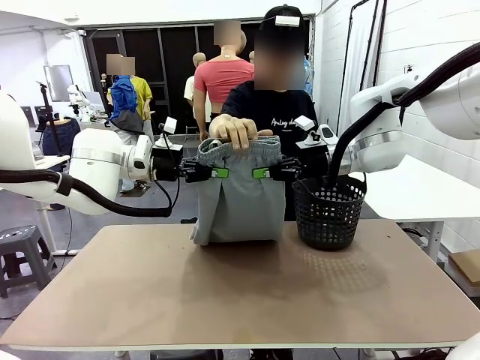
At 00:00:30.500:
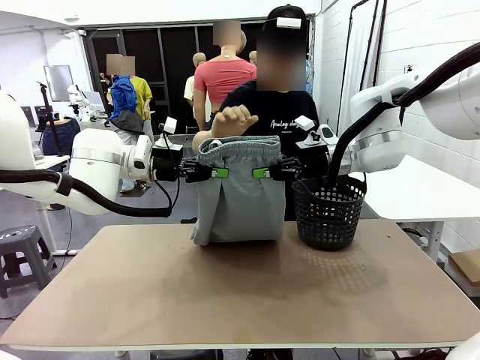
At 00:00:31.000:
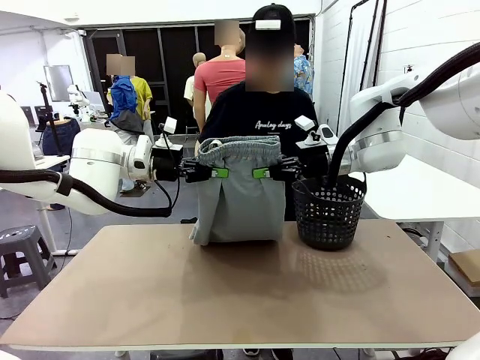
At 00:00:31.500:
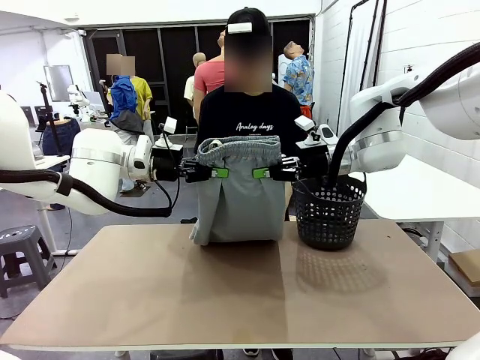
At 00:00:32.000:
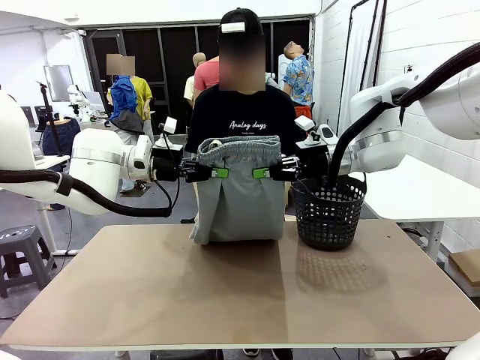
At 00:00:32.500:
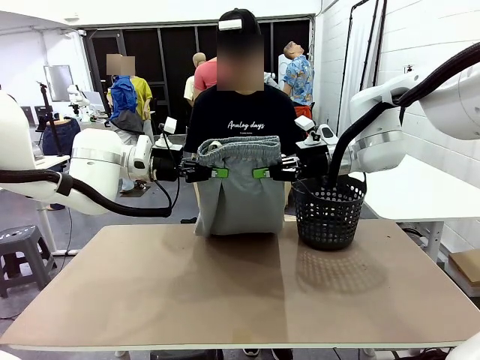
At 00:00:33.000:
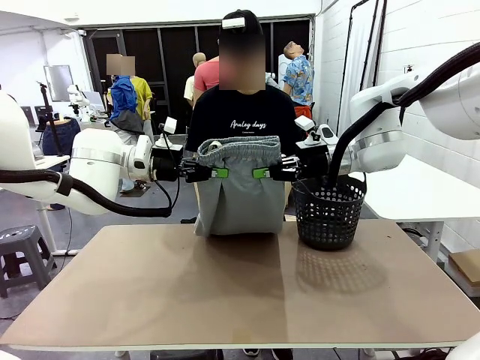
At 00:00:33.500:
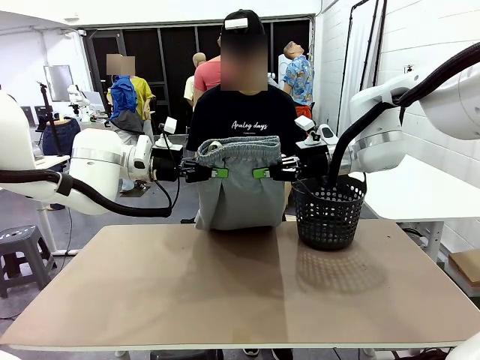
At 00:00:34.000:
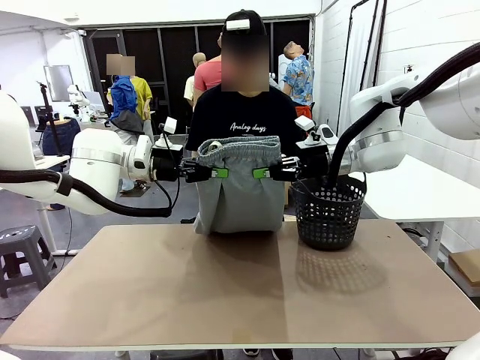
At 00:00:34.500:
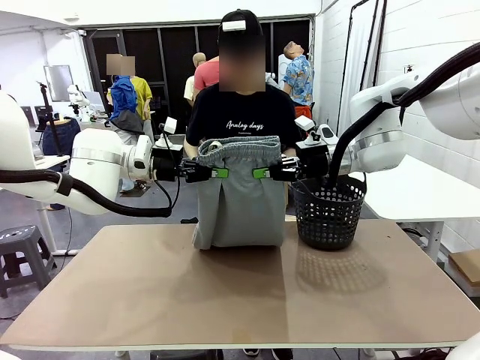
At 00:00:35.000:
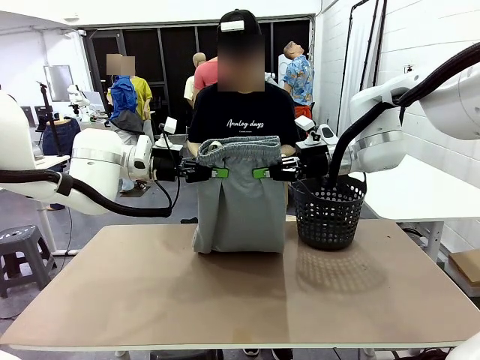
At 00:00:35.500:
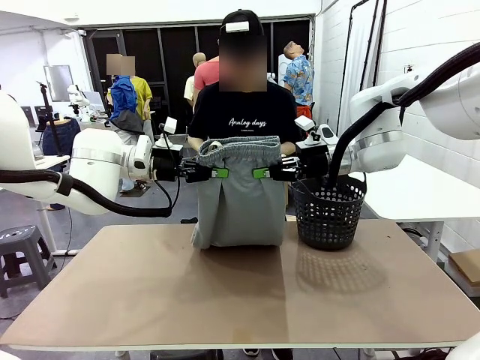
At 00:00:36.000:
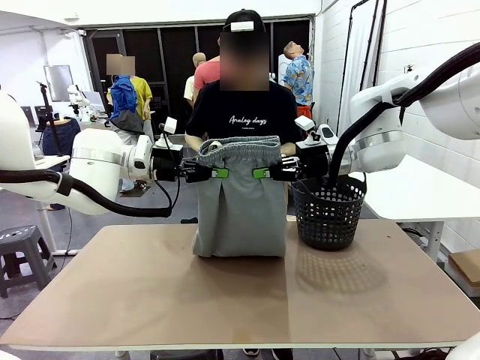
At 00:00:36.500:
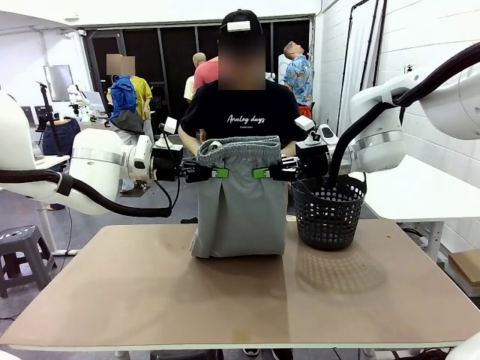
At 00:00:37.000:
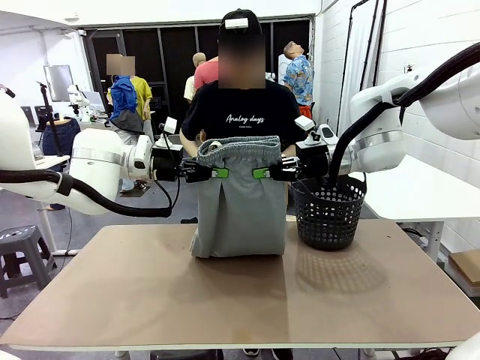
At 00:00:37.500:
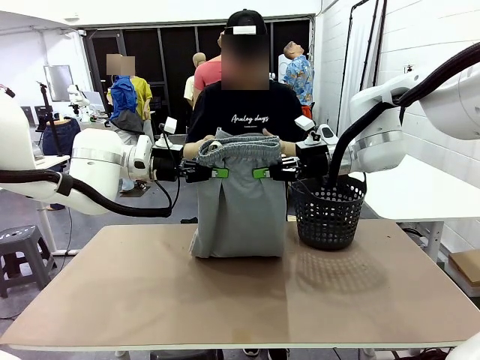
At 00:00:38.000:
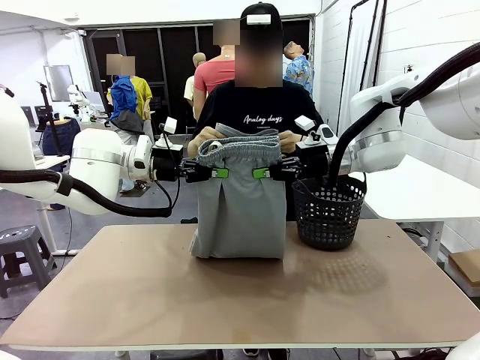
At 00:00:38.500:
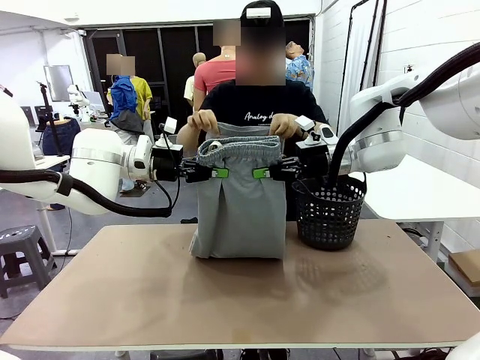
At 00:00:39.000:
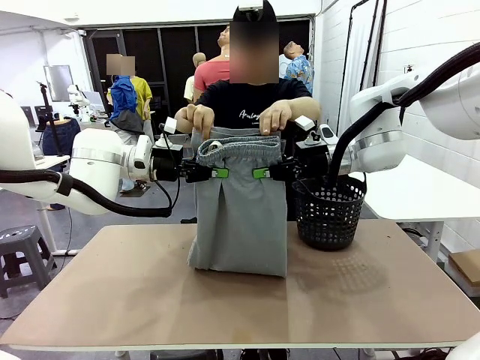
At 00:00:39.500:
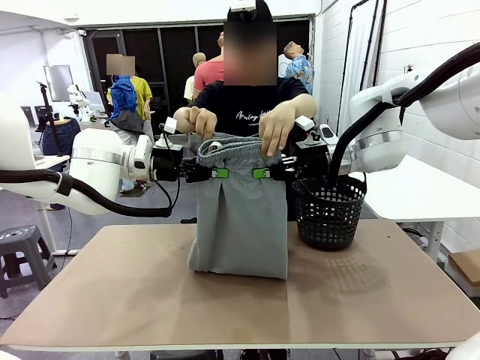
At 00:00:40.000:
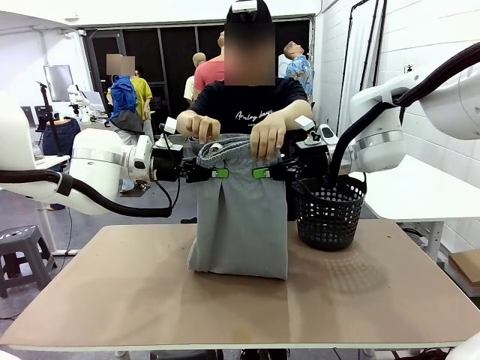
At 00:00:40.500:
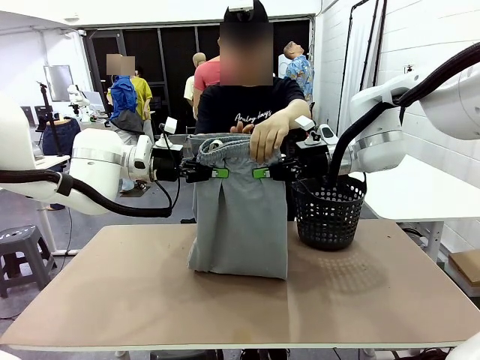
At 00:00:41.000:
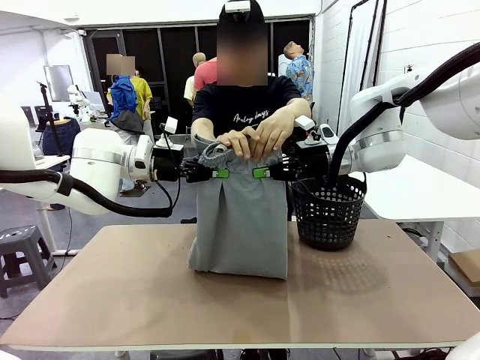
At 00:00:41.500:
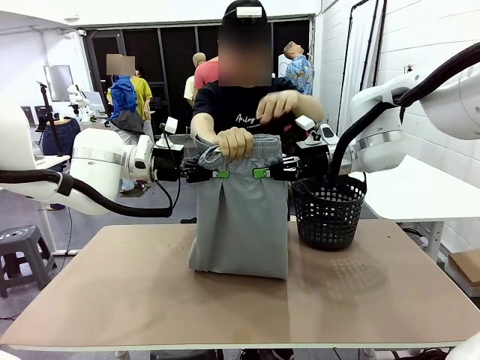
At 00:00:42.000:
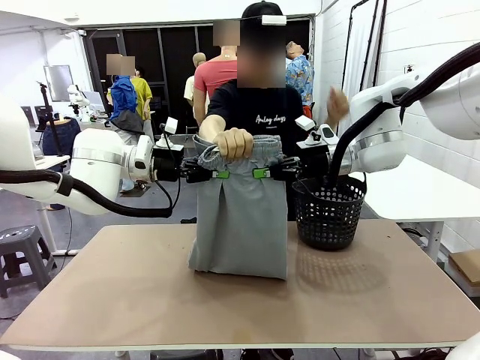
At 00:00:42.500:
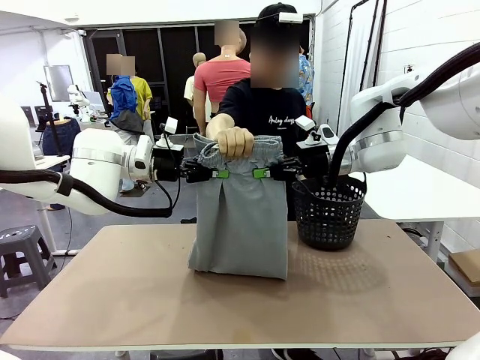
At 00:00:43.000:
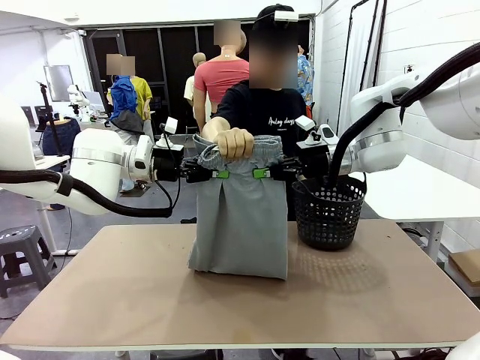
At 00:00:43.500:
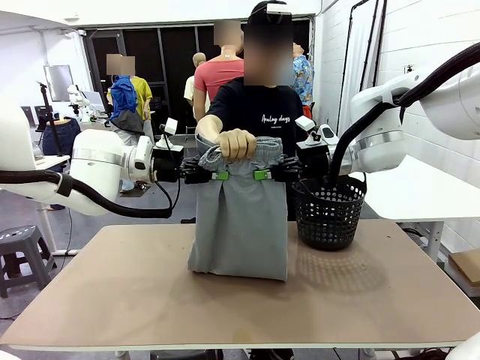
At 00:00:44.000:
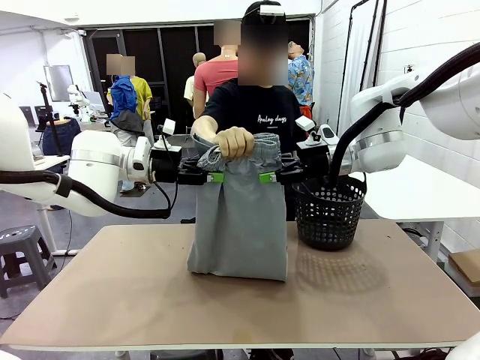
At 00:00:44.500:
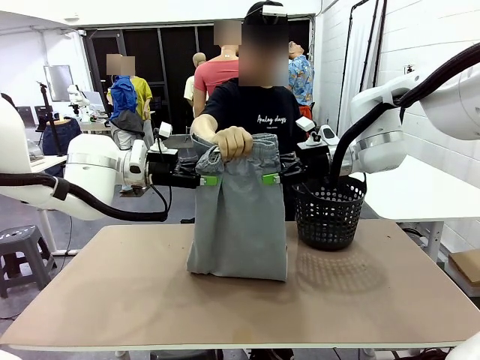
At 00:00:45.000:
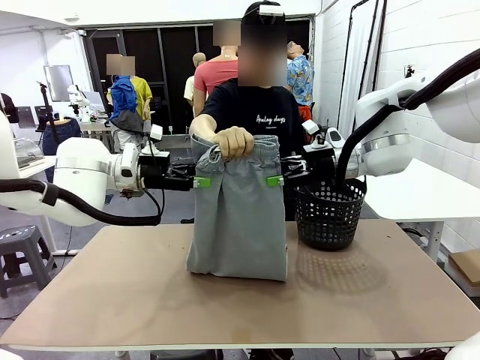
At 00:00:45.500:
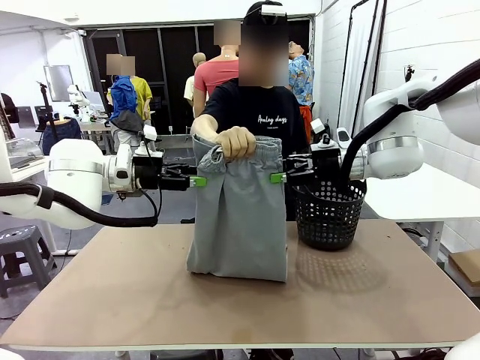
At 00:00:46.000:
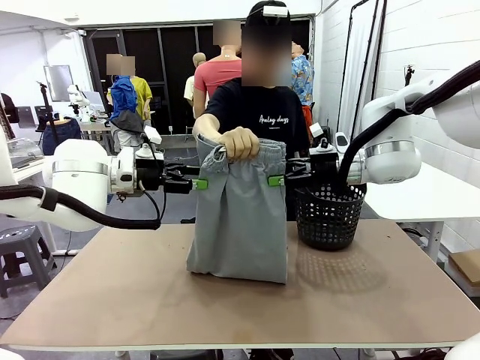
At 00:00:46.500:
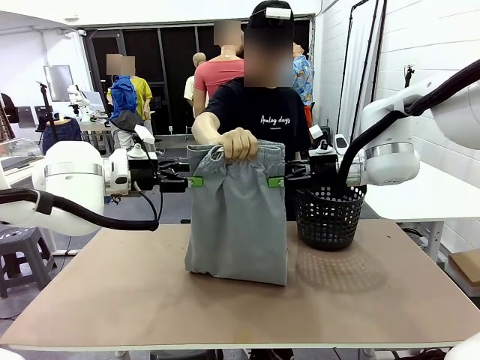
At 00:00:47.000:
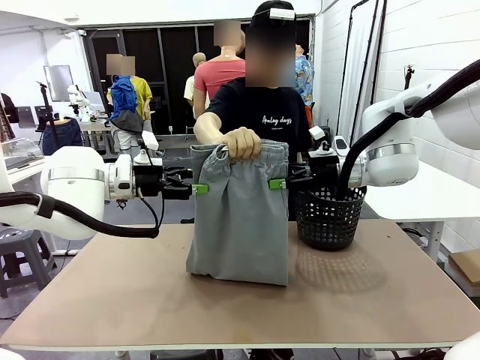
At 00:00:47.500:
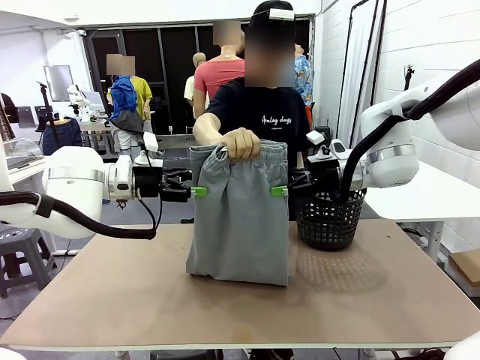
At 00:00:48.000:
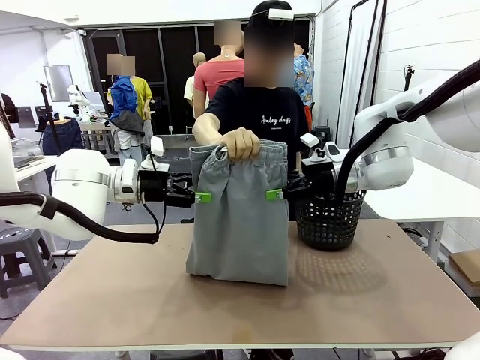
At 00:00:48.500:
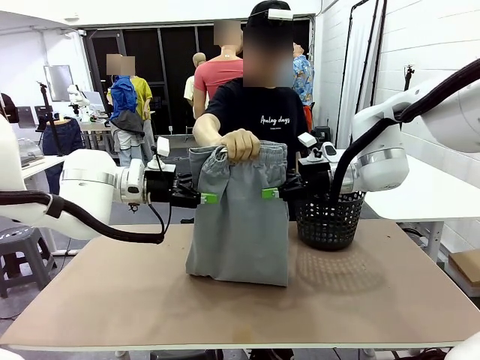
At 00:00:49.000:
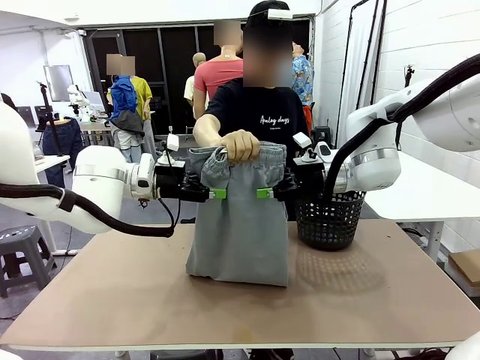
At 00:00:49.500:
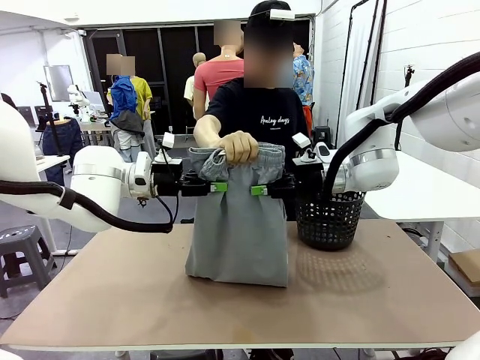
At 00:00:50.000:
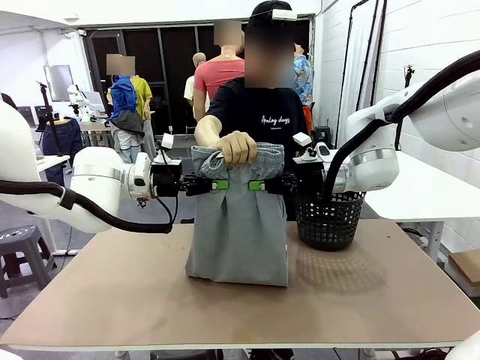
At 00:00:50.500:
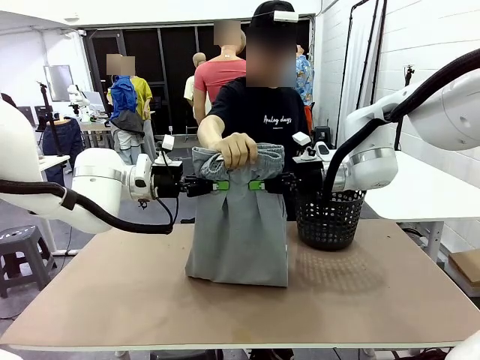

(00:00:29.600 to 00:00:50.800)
Task: Fold the training pants.
Robot: Release the ends of the Training pants and then grab the overlapped ends.
Person: Grasp the end opposite the point the robot is holding, fold the pants in half, and then grasp the overlapping top end of the folded pants. Release the pants you were holding.

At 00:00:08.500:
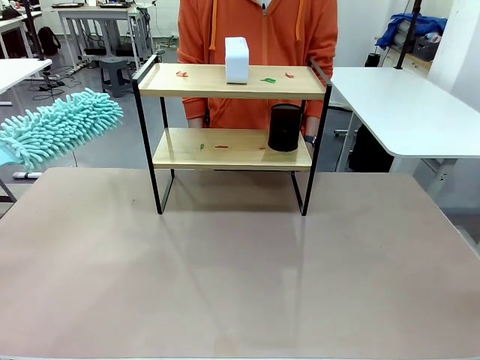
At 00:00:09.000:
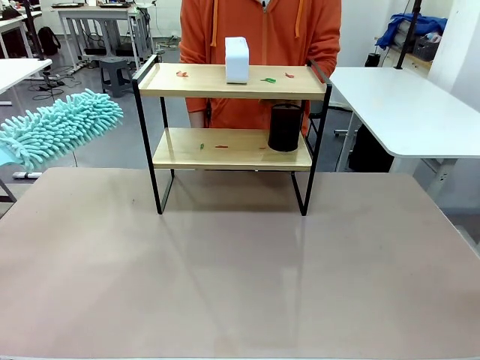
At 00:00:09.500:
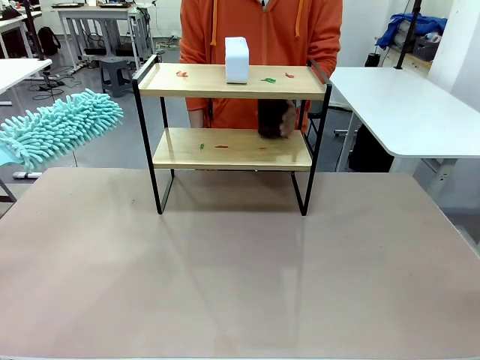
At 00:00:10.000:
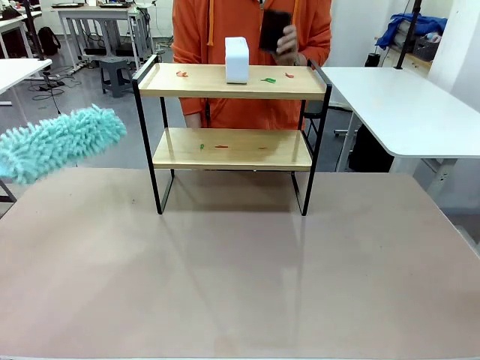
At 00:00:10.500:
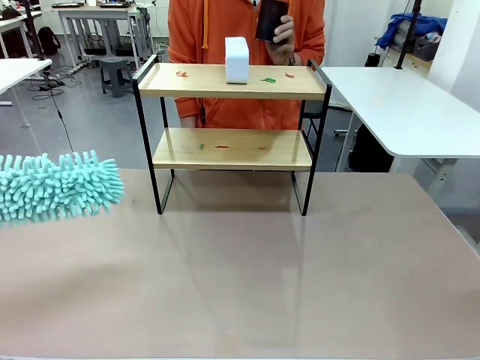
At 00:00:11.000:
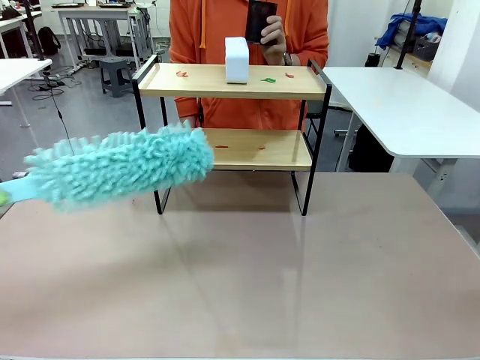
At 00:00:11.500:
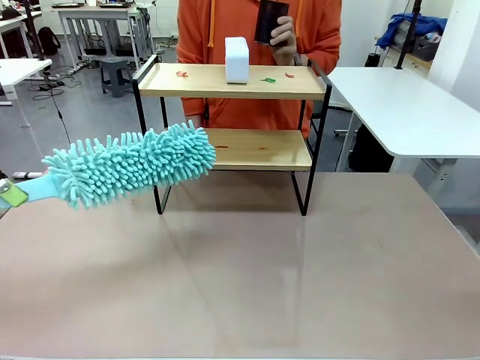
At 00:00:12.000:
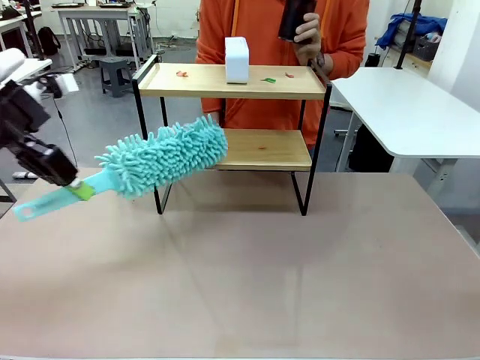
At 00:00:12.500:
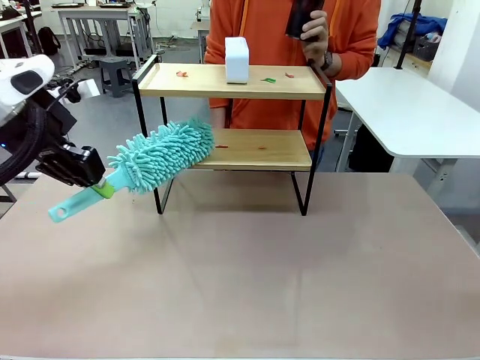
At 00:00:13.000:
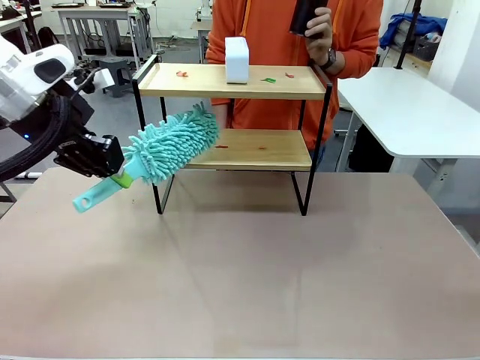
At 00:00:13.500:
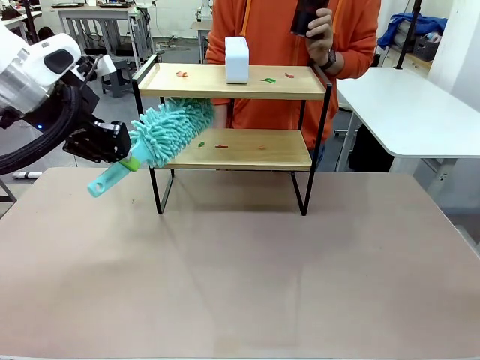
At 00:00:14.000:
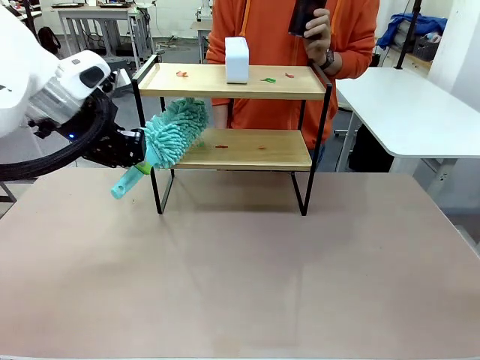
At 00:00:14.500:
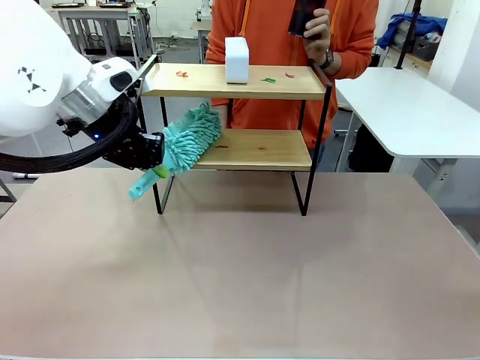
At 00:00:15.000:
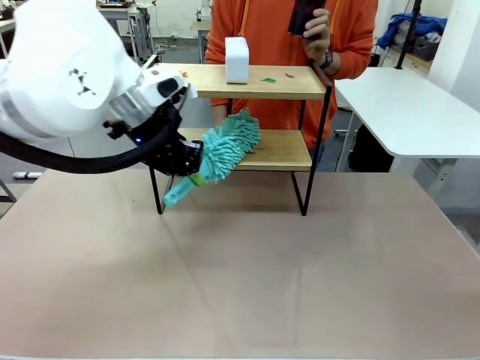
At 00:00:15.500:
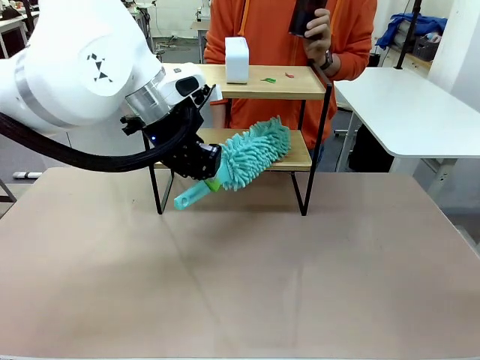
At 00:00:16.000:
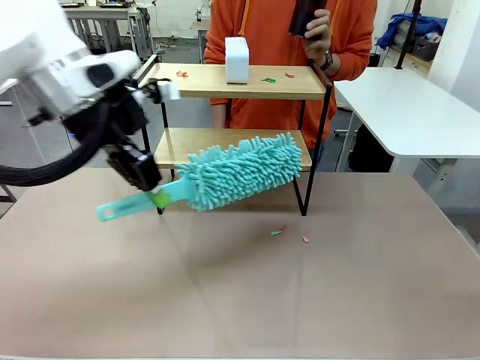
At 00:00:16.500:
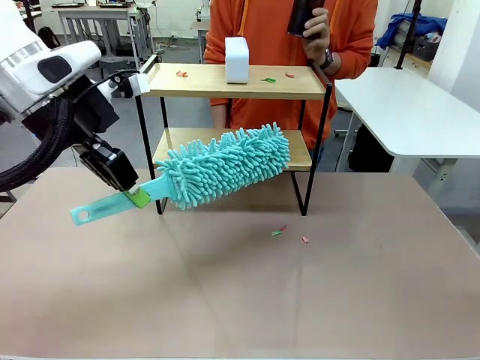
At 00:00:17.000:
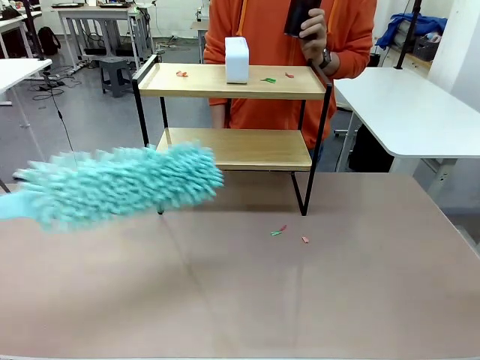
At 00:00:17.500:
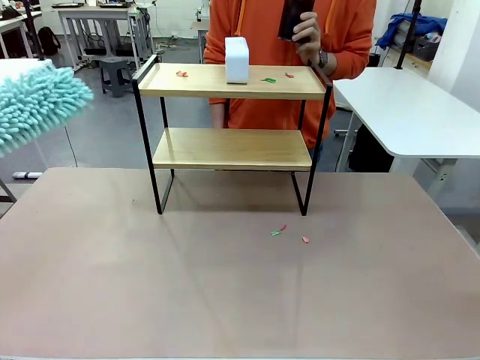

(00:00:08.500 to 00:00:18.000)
Task: Clean the shelf.
Robot: Clean the specific tier of the Shelf with the Duster once objects are removed.
Person: Lift the objects on a randomly selected tier of the Shelf. Once the robot finishes cleaning, lift the objects on the remaining tiers of the Shelf.
